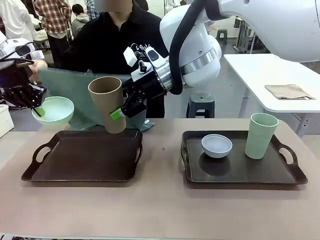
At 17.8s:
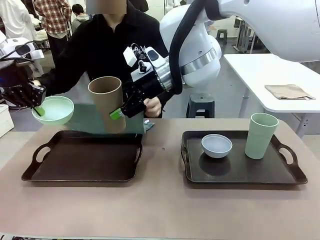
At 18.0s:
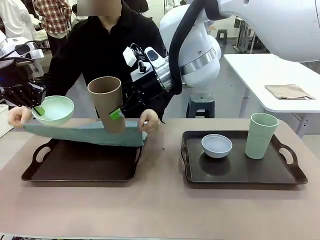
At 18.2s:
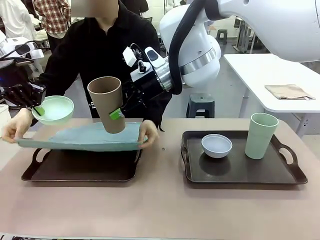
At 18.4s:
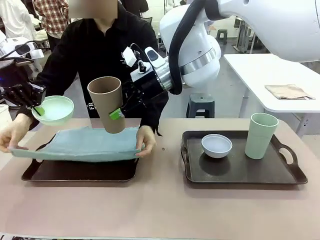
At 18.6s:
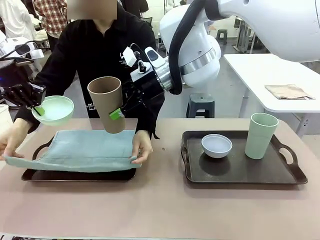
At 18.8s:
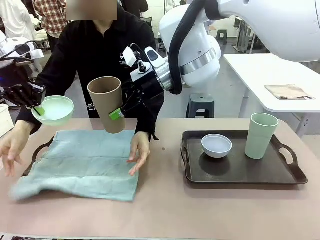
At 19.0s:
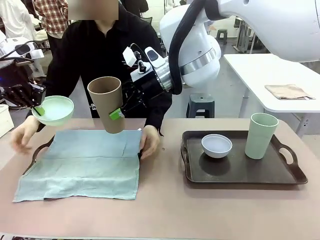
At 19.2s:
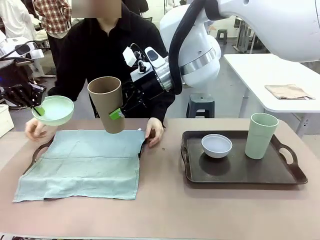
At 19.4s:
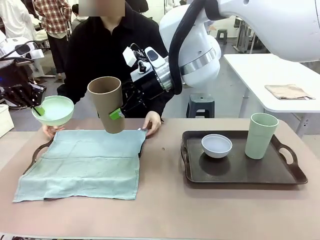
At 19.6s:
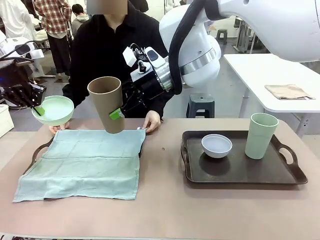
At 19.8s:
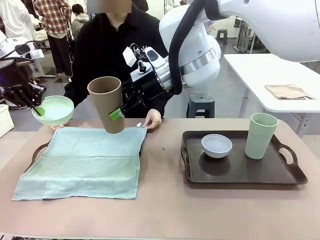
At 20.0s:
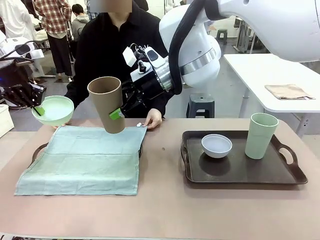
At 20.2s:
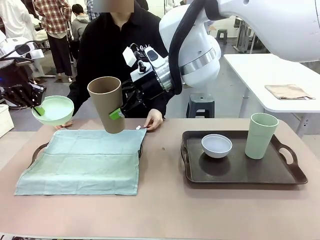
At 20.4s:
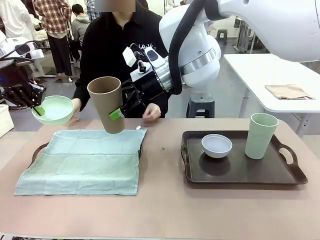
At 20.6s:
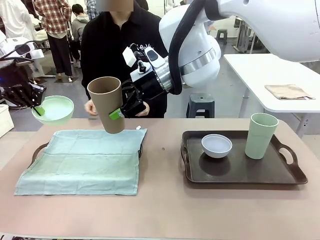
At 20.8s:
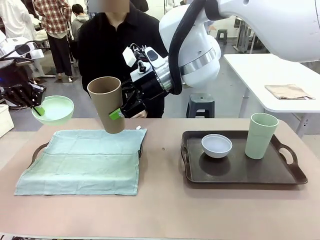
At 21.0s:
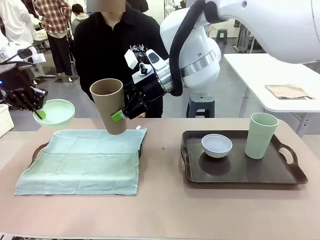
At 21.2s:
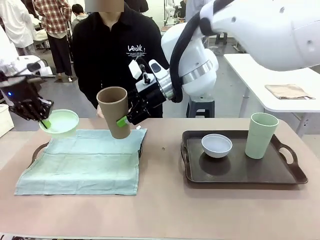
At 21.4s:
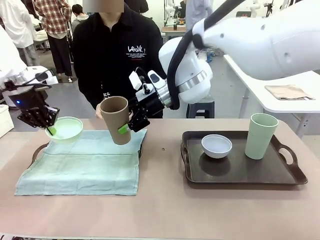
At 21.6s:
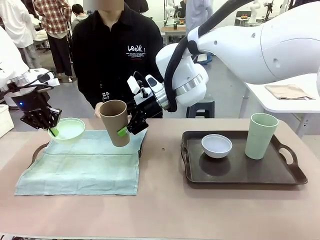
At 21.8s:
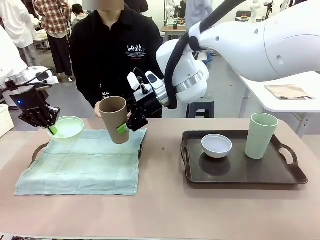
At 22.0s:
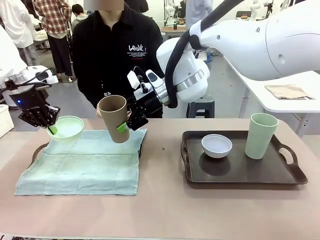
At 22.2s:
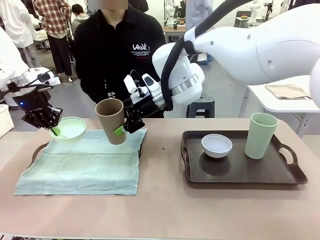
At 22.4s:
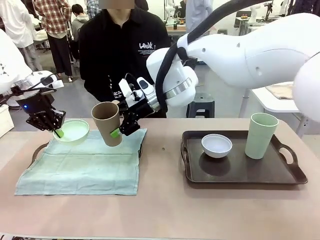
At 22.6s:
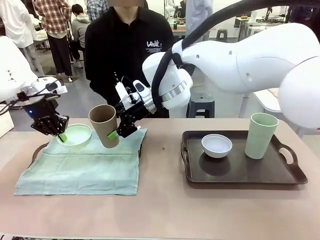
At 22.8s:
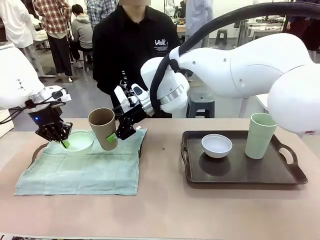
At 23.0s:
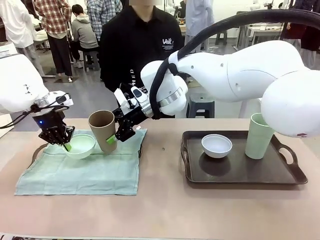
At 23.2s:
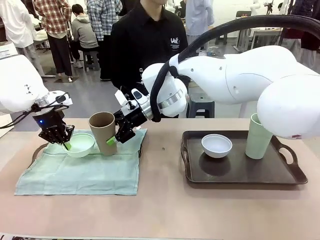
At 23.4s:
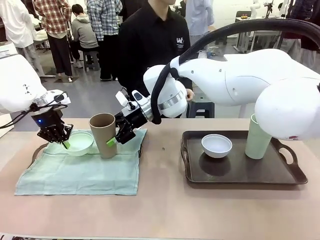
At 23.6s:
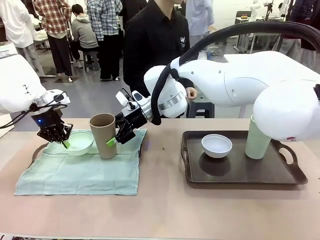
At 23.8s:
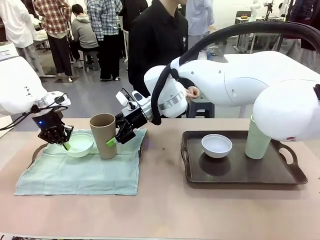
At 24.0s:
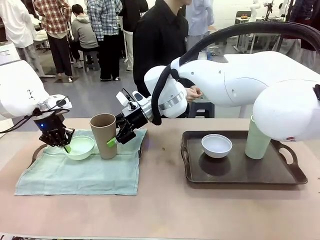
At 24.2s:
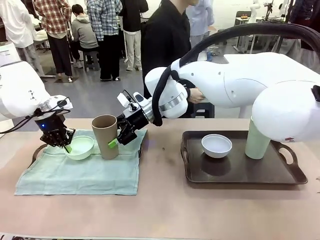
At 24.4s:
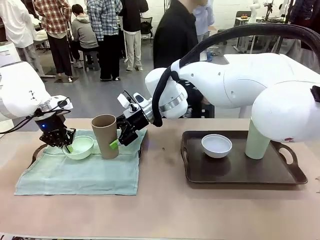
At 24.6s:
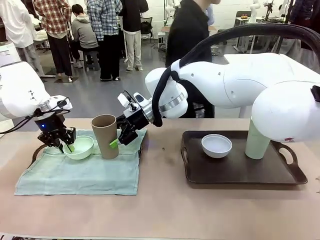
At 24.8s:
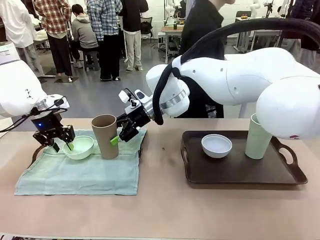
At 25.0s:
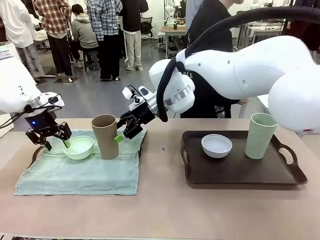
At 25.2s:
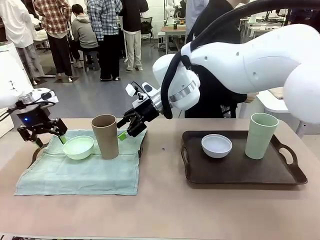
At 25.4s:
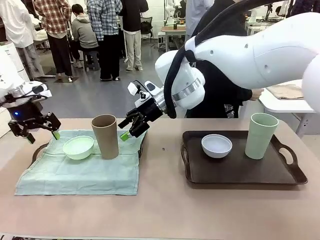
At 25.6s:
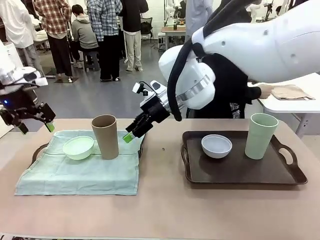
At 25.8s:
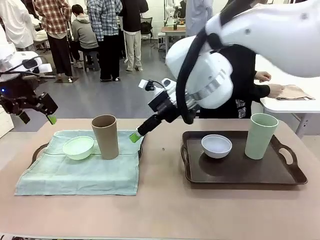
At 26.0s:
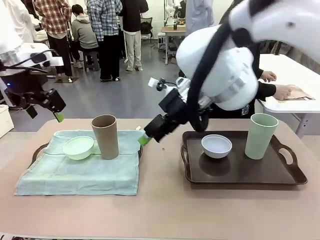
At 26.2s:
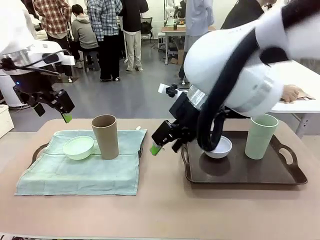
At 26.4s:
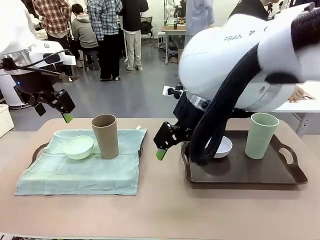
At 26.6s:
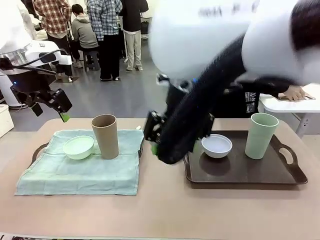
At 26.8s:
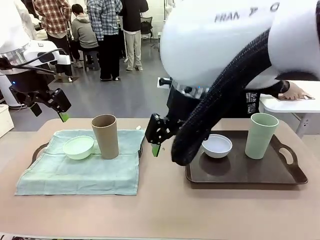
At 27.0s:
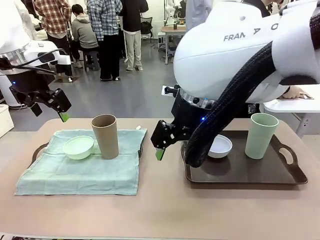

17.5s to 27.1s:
Robot: Place the Picnic Bowl and Reusable plastic cup back onto the Handle tray in front of the human's position.
Person: The human returns to the human table to pick up another napkin and walks to the robot table to stand in front of the tray without a napkin.

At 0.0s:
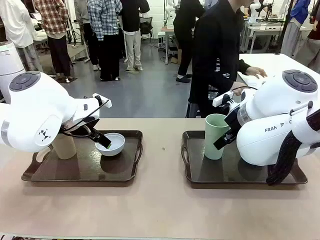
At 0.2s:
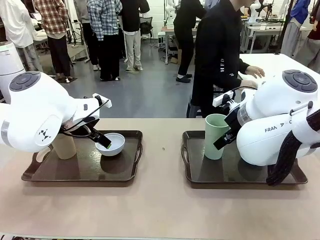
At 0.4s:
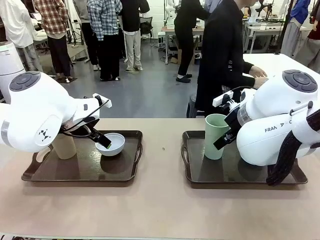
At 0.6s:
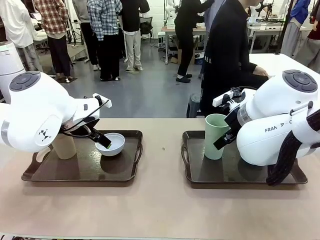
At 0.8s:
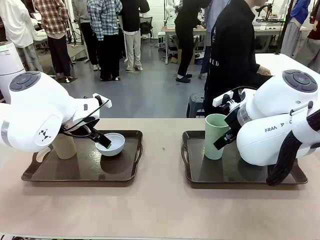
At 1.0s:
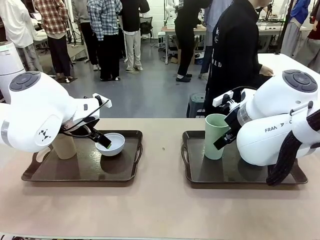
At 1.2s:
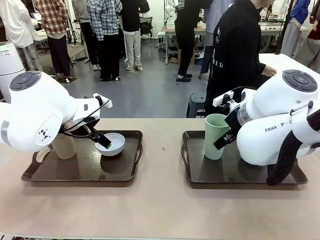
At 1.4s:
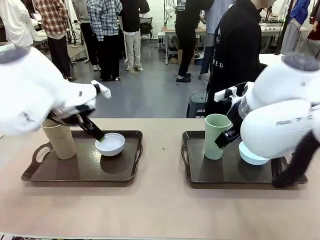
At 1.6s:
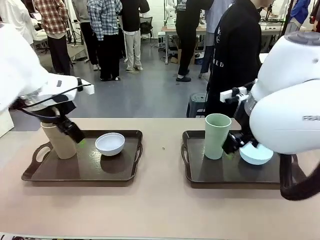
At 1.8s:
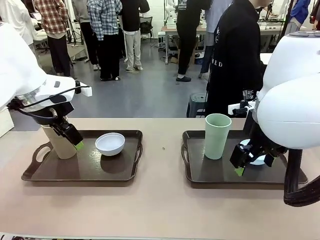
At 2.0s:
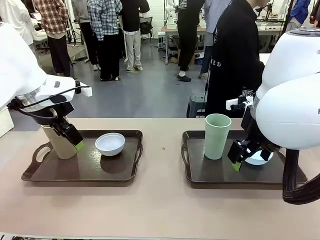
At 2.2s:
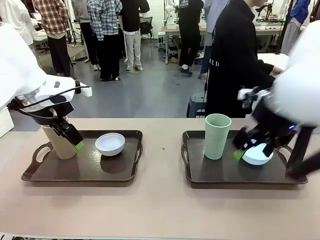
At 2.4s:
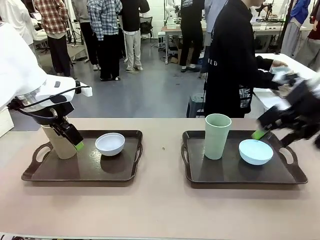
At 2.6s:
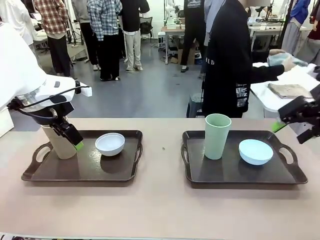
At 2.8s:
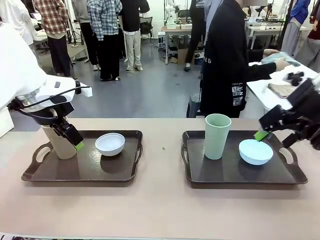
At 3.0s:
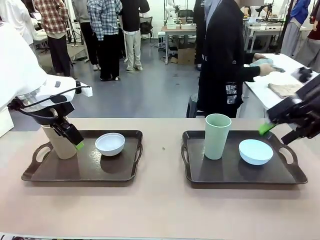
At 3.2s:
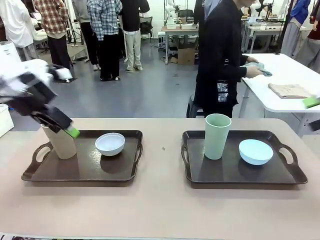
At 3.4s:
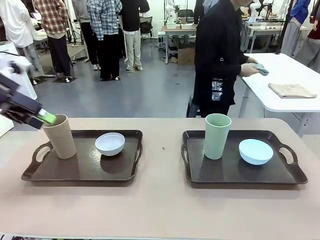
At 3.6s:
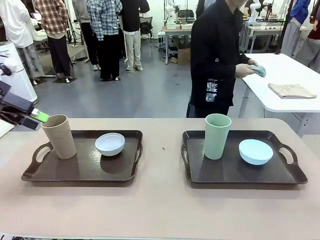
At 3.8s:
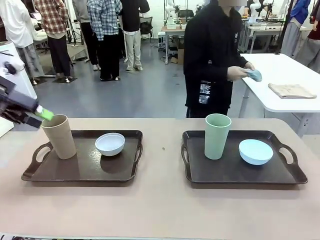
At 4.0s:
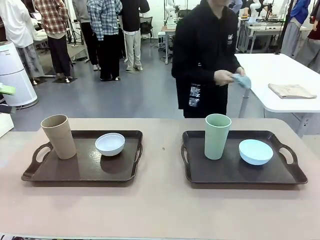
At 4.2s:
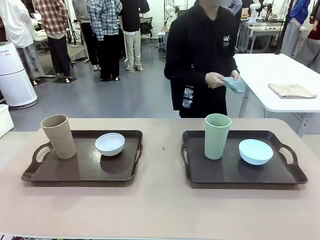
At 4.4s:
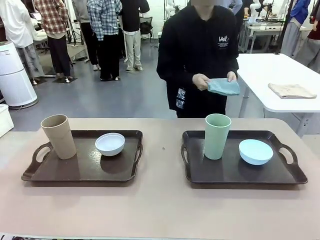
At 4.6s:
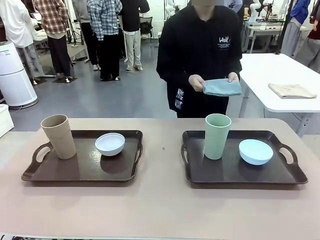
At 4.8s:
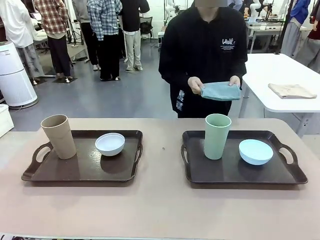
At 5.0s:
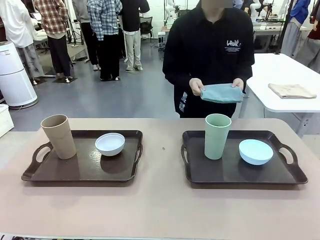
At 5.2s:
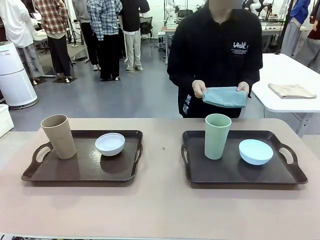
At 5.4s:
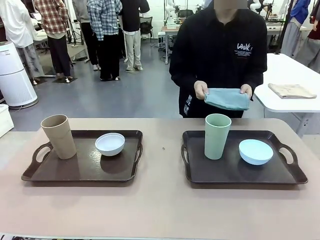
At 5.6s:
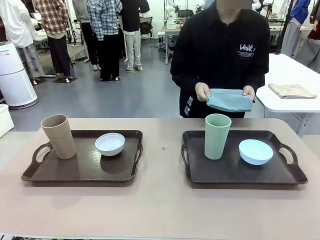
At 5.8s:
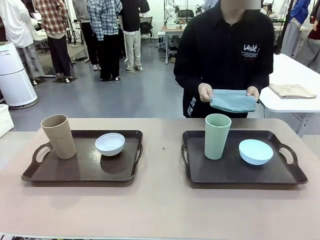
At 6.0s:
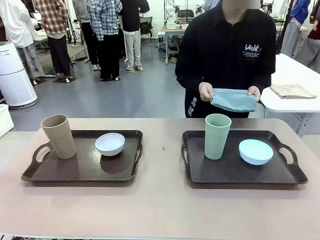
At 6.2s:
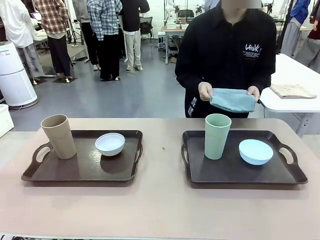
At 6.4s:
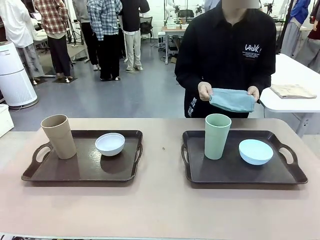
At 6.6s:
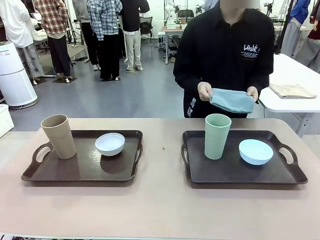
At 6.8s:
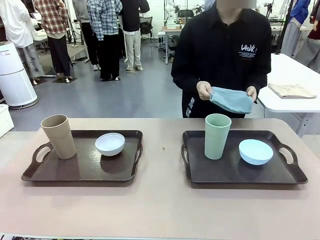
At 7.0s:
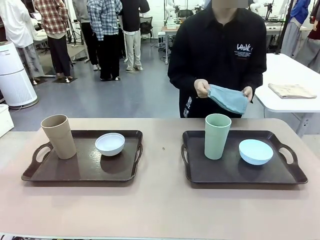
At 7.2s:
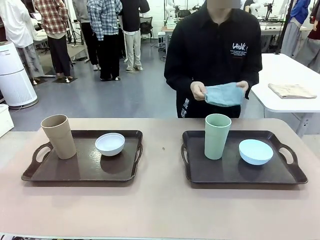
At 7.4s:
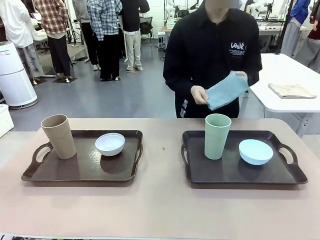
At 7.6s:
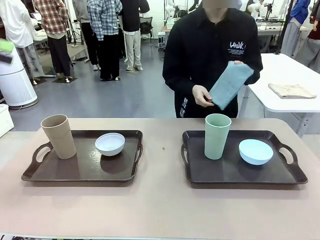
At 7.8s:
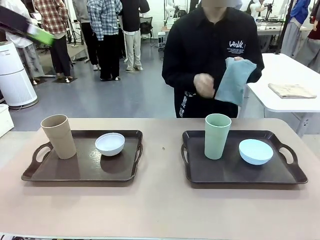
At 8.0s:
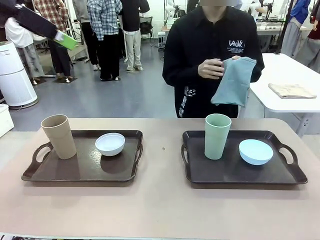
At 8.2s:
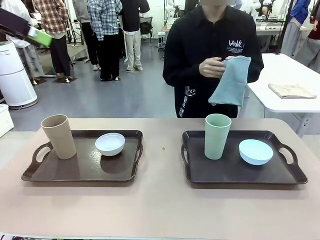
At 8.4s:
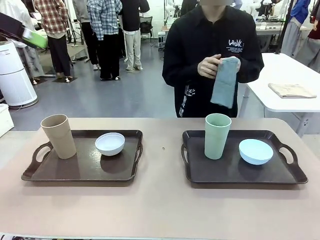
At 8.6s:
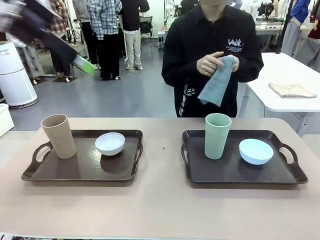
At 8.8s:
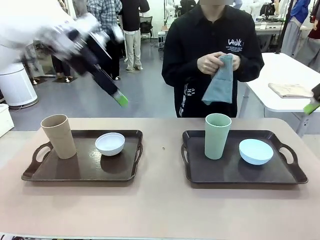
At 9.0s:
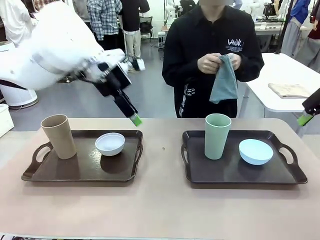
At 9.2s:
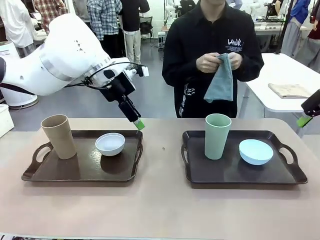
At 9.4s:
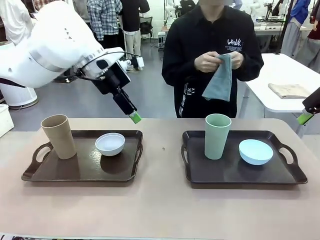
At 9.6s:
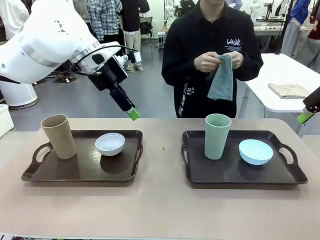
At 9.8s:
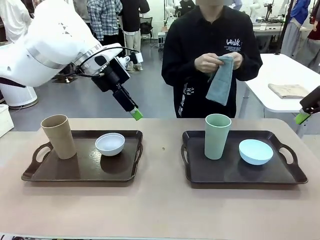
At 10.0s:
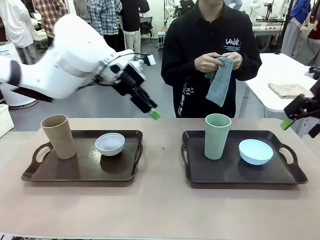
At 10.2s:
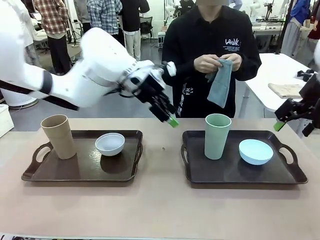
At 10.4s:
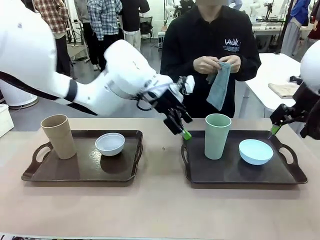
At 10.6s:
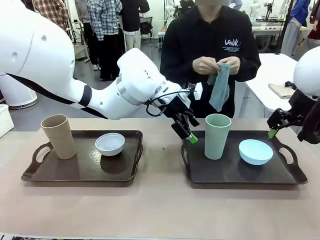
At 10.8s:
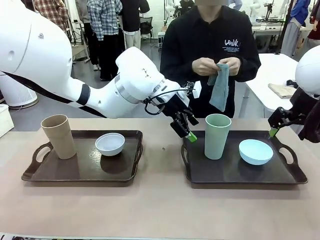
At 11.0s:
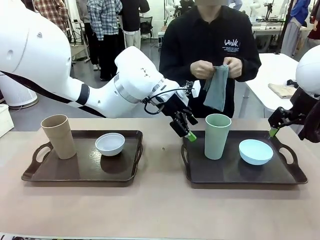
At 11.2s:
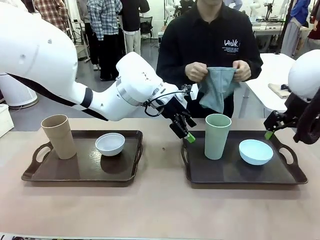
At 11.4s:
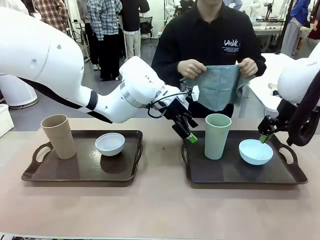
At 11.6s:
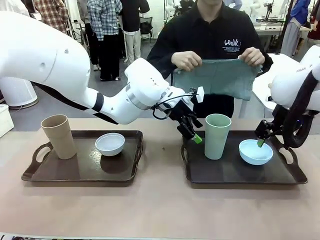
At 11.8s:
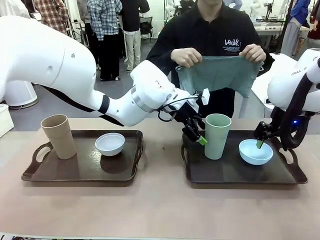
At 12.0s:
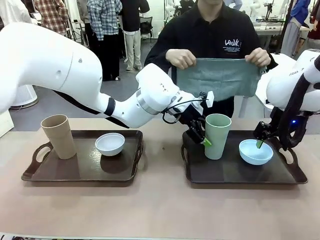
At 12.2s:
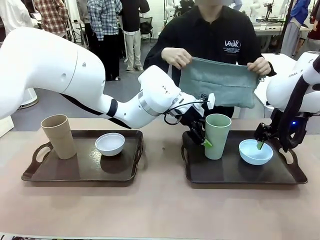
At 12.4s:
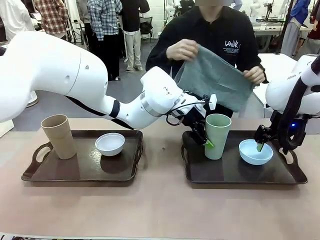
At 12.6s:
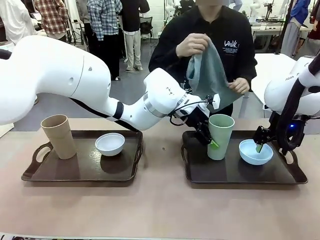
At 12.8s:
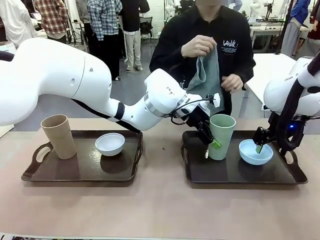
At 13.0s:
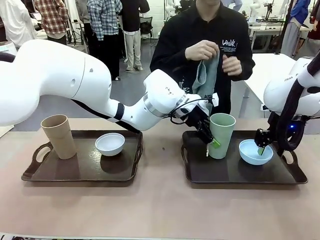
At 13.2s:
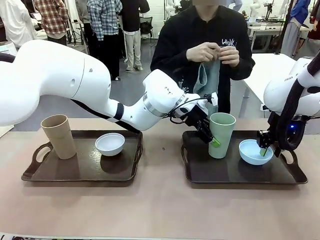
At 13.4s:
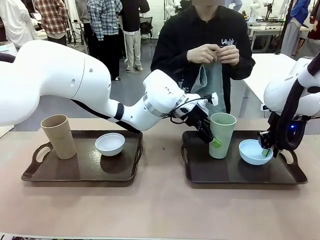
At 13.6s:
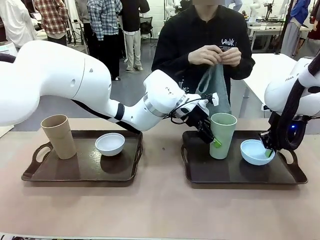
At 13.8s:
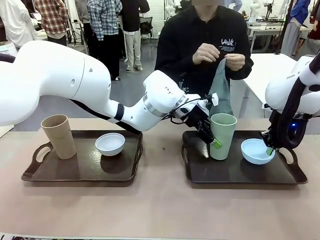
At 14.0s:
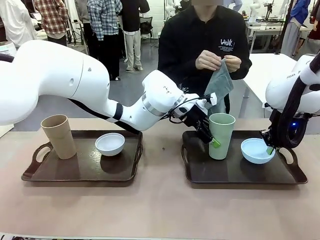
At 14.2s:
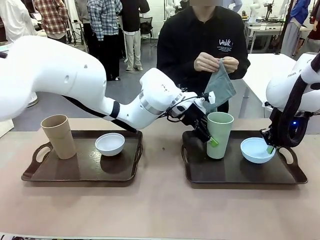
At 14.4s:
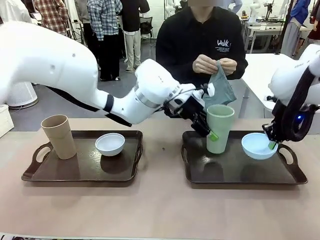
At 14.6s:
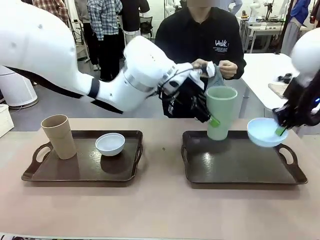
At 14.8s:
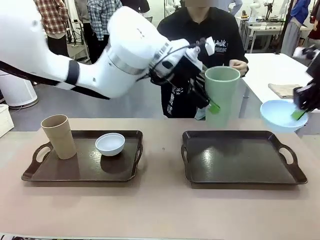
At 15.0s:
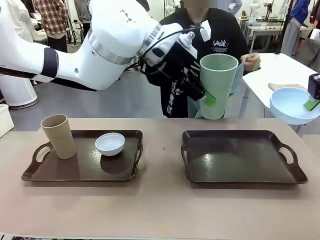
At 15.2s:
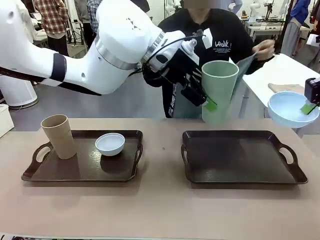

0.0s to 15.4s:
Robot: Pick up the Picnic Bowl and Reusable plastic cup from the Handle tray in front of the human's position and hold them in the air.
Person: The human picks up the top napkin from the stack on the human table and walks to the robot table to stand in front of one of the two trays. When the robot lifts the bowl and the cup, the human unfolds the napkin and lays the napkin flat on the tray.
